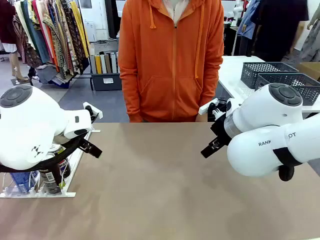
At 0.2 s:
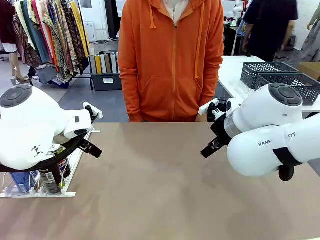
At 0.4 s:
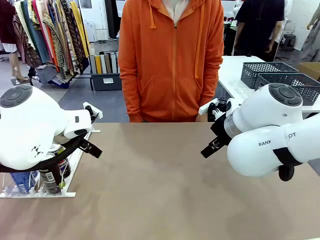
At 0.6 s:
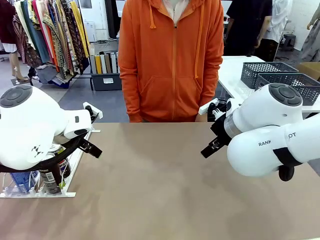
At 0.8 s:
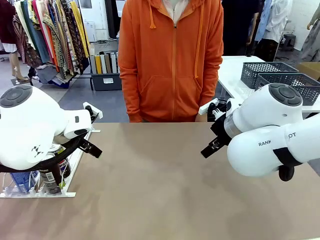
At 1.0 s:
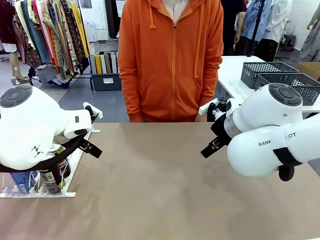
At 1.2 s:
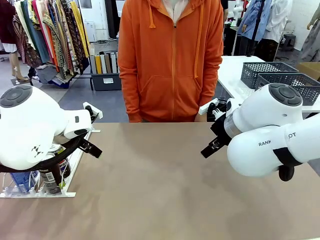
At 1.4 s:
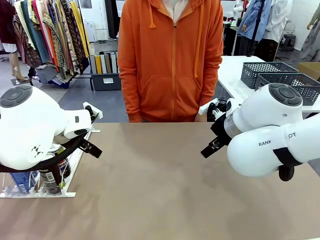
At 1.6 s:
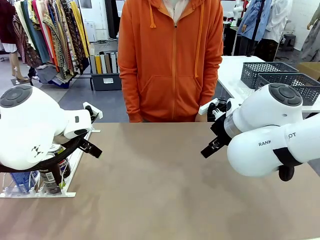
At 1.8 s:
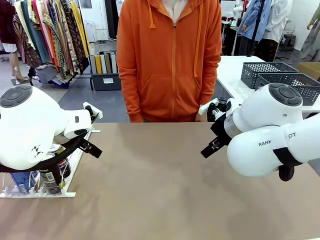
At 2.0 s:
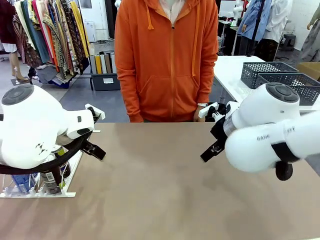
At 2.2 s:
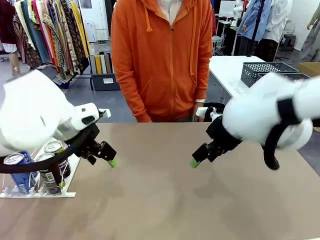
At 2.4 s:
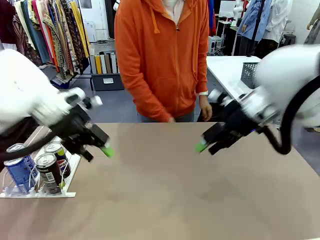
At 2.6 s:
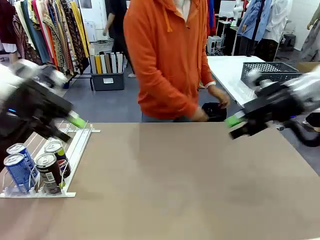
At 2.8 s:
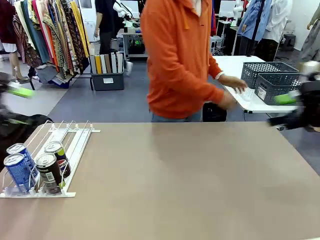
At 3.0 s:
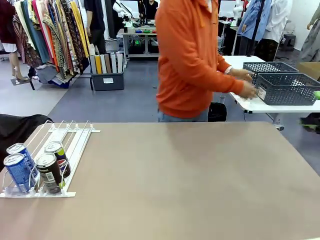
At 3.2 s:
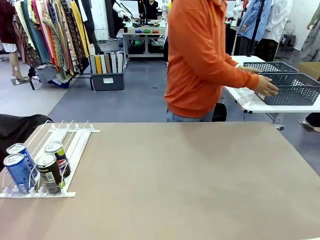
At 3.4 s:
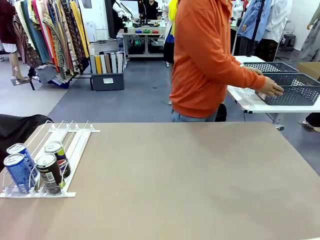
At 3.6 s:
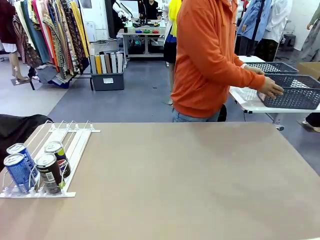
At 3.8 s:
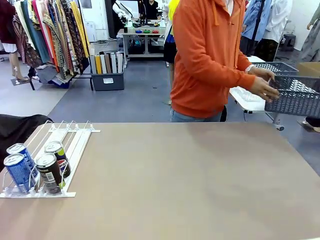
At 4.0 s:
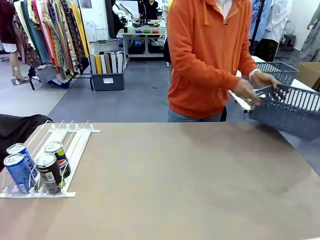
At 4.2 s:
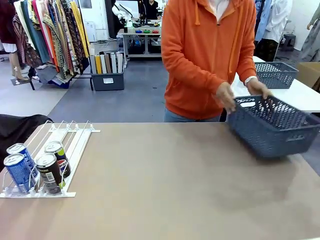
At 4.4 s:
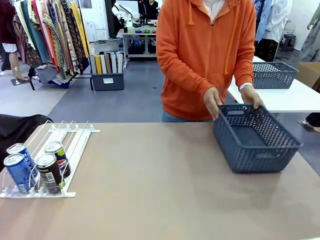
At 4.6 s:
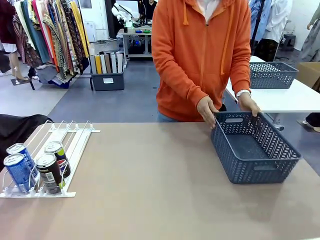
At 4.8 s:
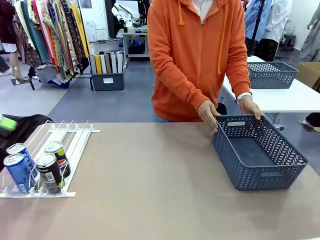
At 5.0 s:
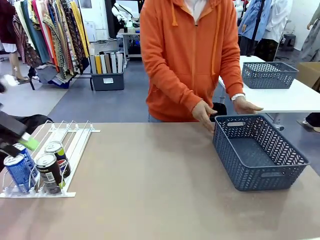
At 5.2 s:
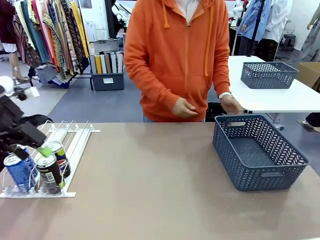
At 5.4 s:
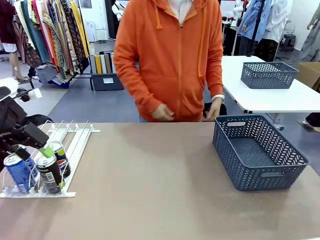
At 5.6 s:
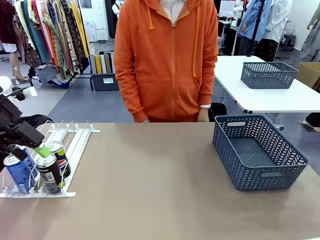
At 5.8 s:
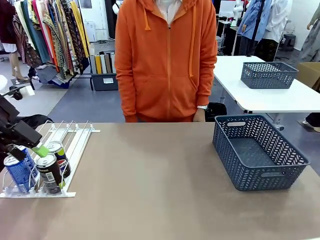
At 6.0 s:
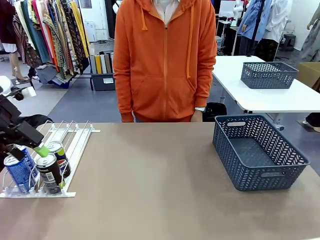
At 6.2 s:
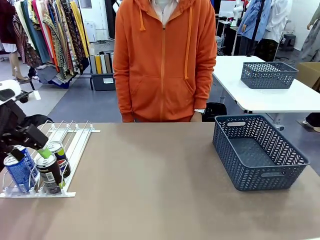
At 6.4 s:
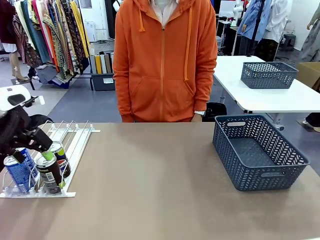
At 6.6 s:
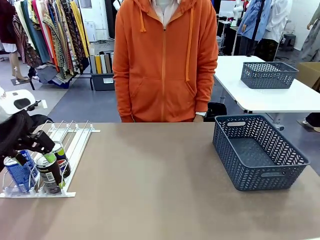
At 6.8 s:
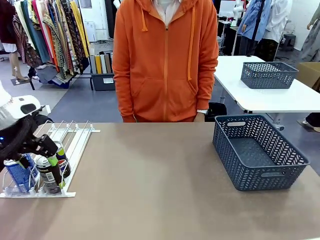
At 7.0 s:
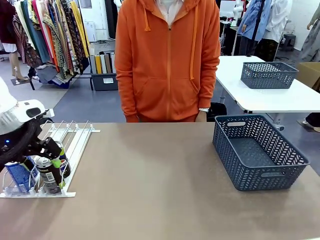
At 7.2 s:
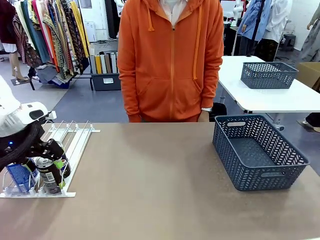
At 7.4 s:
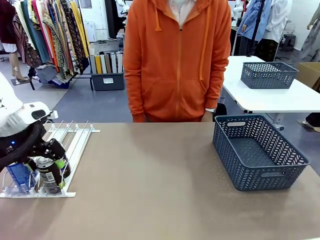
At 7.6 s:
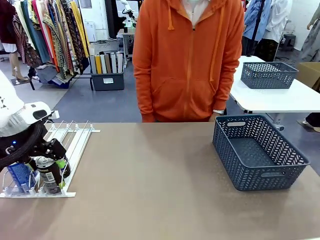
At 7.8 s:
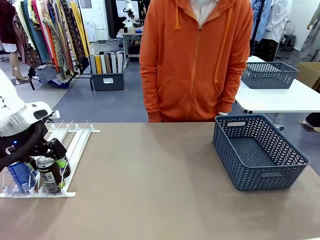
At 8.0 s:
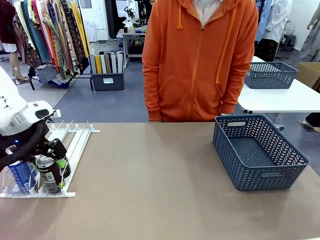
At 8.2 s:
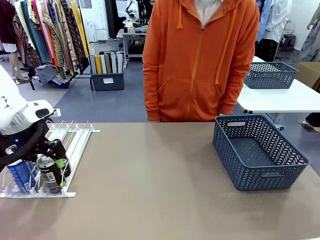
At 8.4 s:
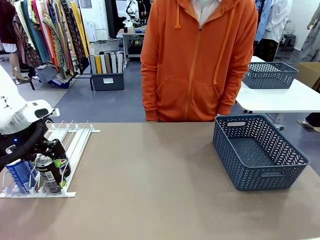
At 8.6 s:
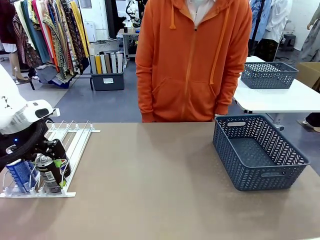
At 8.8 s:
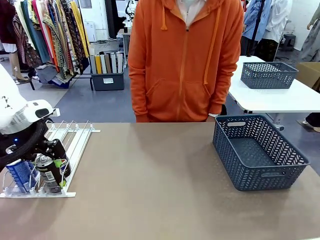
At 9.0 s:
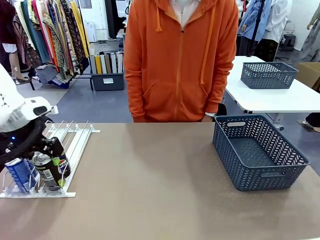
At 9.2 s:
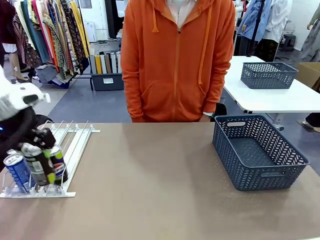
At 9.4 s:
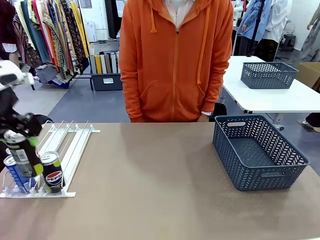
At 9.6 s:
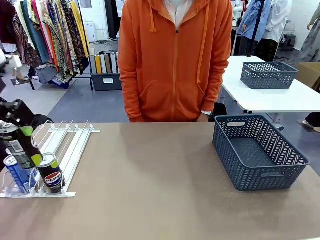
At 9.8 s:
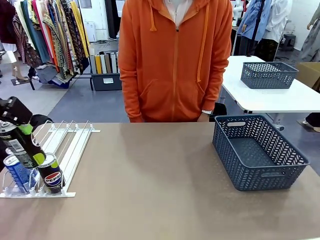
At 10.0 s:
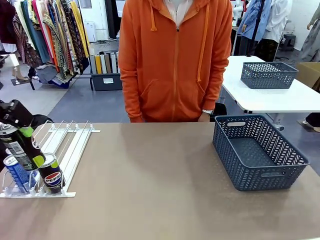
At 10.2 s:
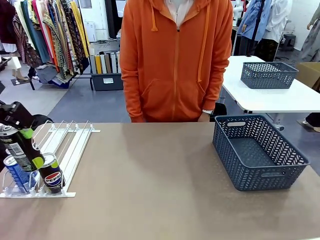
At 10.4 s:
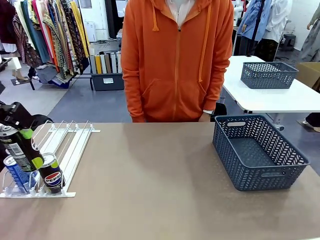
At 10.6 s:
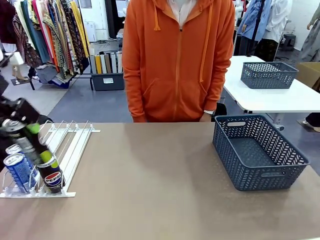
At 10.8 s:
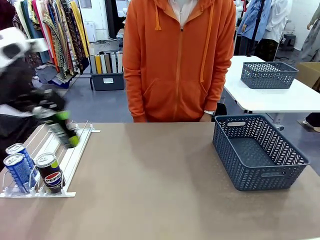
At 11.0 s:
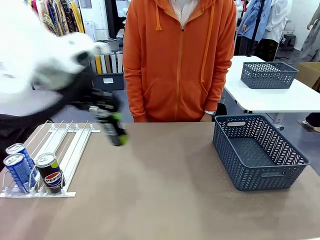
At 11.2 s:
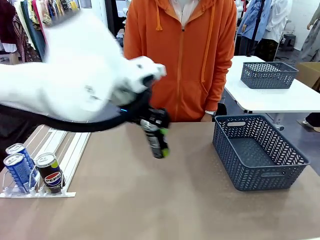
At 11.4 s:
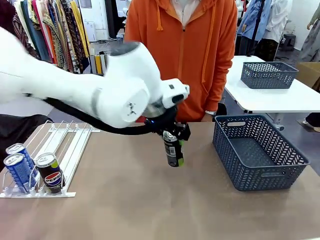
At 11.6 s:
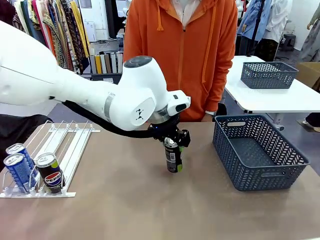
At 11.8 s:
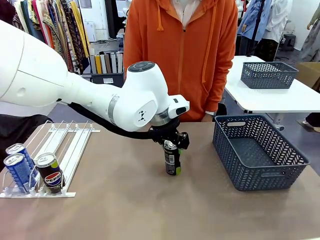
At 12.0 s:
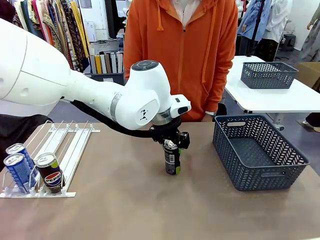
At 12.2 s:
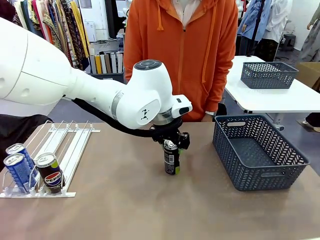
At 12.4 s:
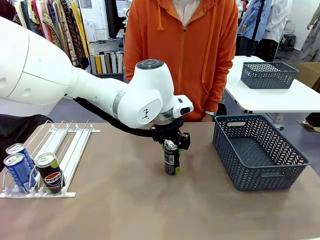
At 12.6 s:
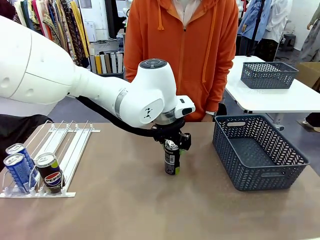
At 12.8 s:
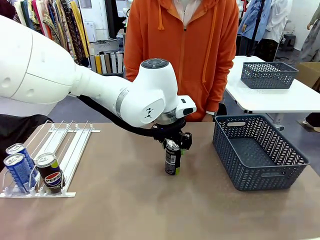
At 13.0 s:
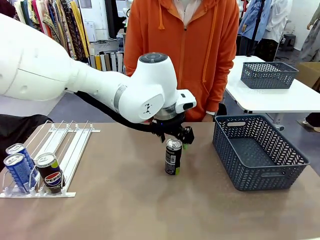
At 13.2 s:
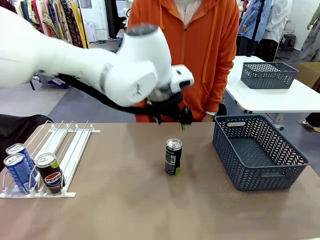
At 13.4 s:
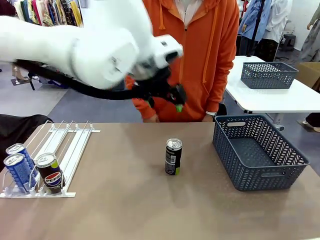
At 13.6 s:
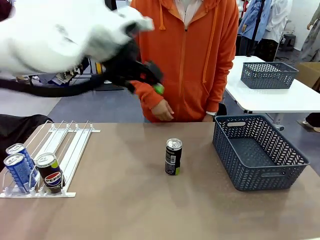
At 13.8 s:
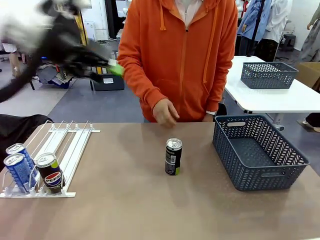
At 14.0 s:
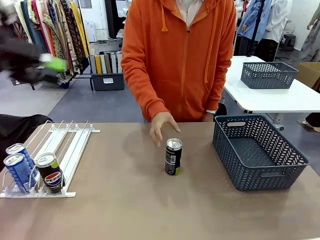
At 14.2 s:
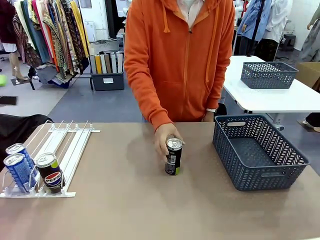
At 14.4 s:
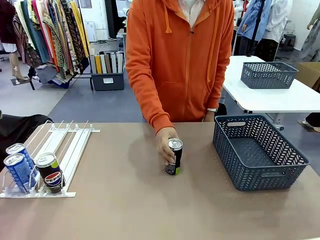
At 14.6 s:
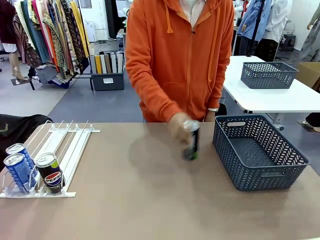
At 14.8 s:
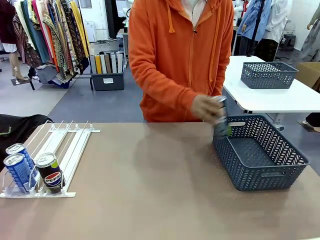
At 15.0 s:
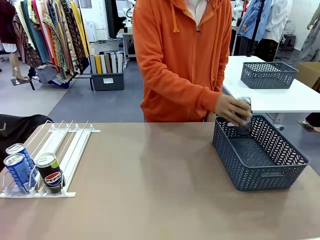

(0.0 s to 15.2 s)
Task: Retrieve and store the cans from the dispenser.
Robot: Pick up one can from the Automatic Can Dispenser and place it in the middle of the table.
Person: Pick up the basket and place it on the left side of the robot table.
